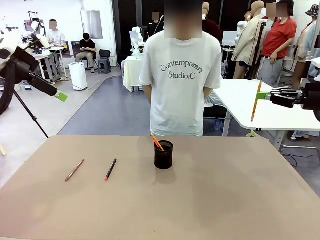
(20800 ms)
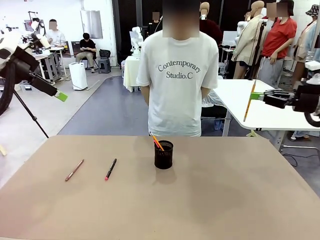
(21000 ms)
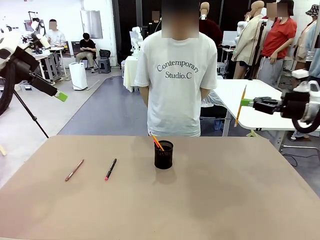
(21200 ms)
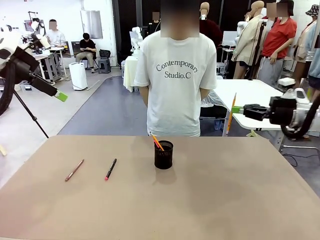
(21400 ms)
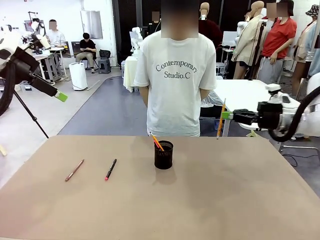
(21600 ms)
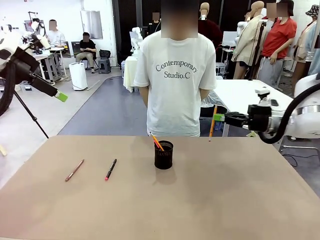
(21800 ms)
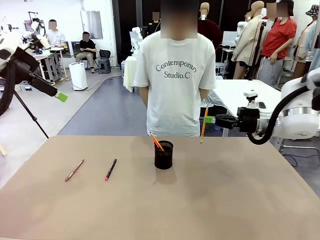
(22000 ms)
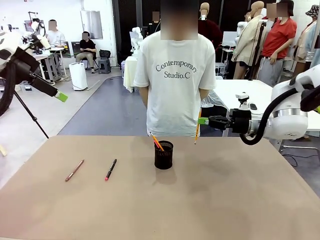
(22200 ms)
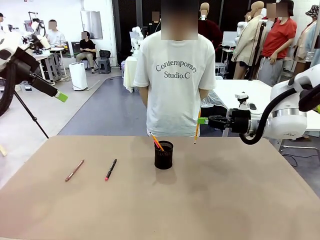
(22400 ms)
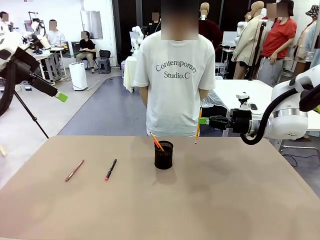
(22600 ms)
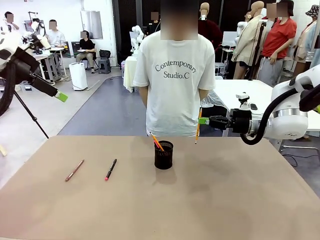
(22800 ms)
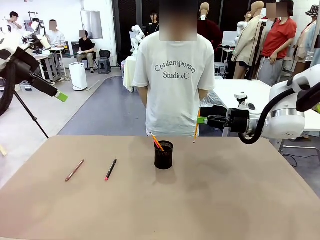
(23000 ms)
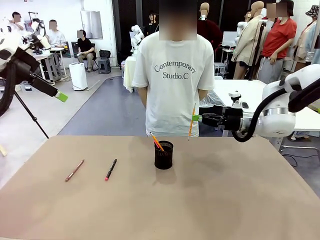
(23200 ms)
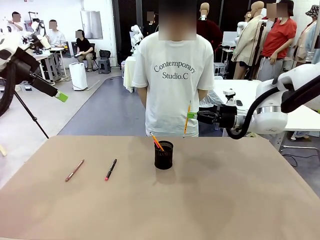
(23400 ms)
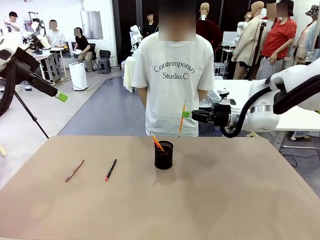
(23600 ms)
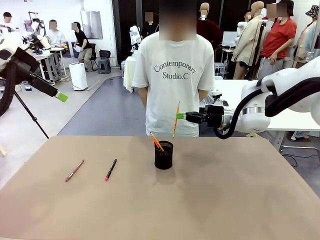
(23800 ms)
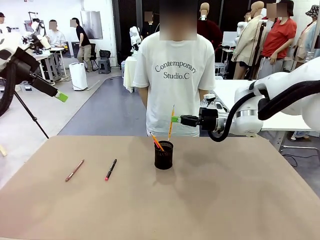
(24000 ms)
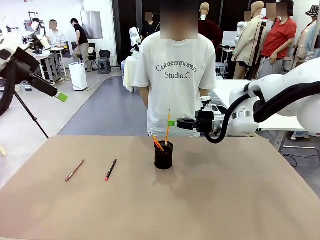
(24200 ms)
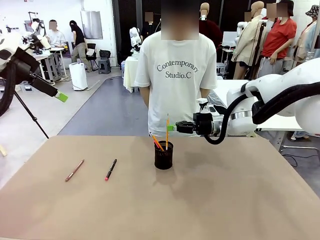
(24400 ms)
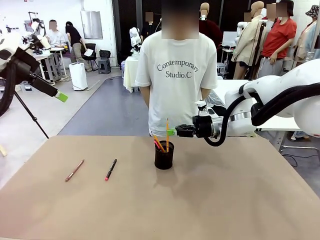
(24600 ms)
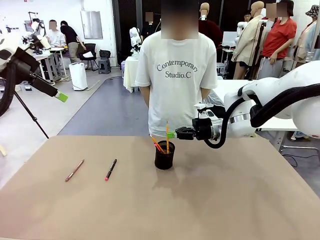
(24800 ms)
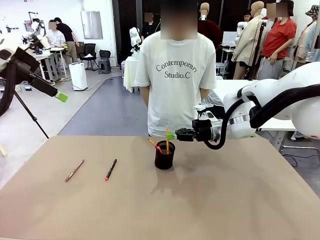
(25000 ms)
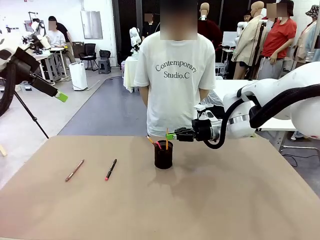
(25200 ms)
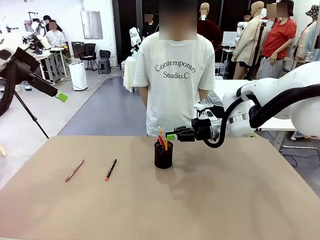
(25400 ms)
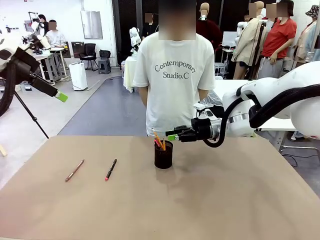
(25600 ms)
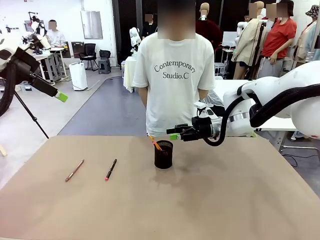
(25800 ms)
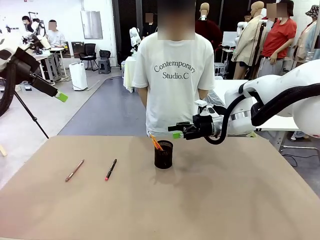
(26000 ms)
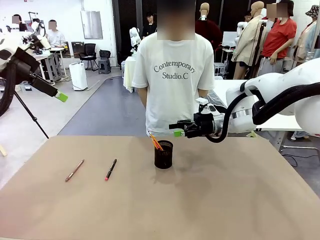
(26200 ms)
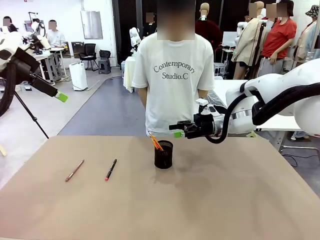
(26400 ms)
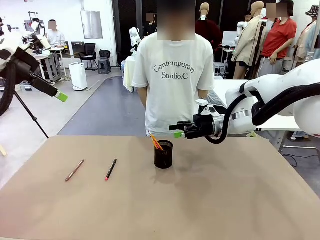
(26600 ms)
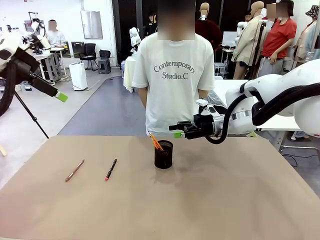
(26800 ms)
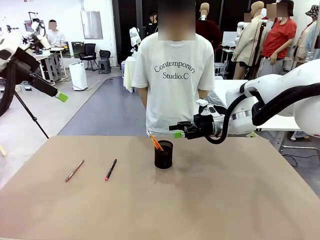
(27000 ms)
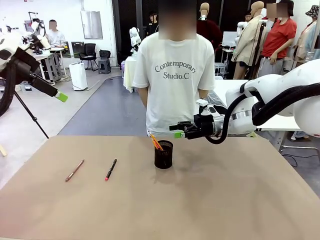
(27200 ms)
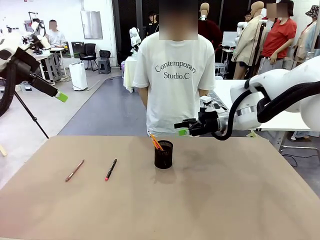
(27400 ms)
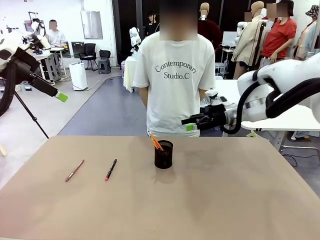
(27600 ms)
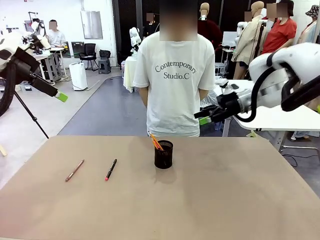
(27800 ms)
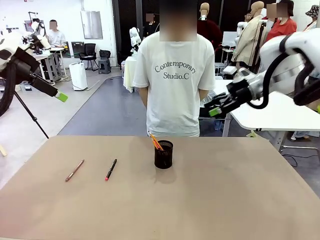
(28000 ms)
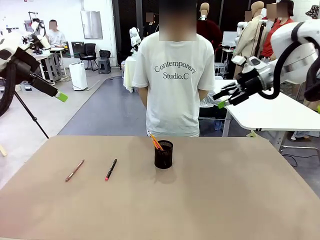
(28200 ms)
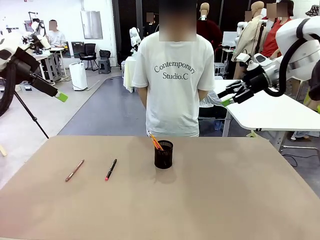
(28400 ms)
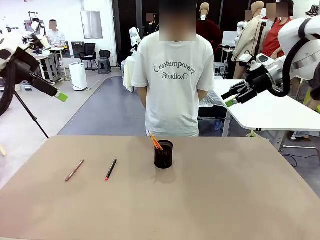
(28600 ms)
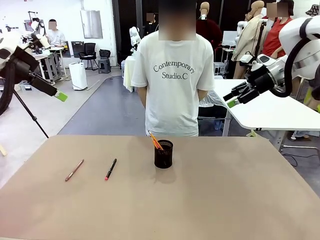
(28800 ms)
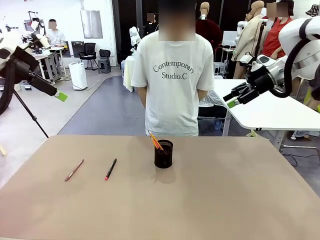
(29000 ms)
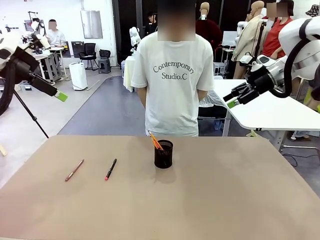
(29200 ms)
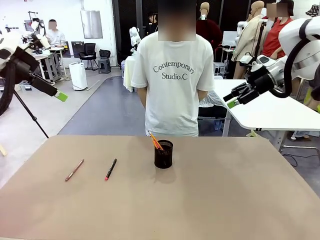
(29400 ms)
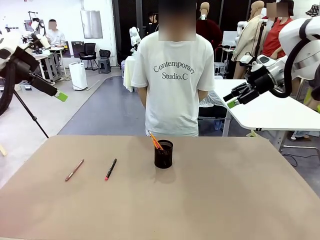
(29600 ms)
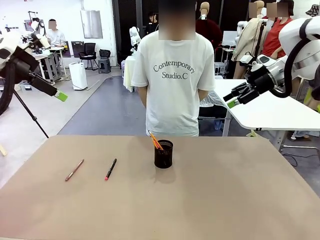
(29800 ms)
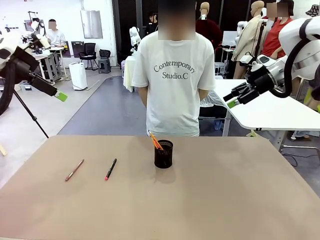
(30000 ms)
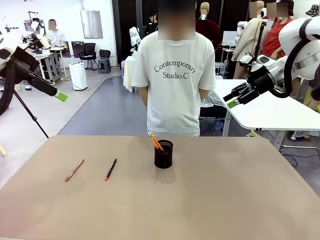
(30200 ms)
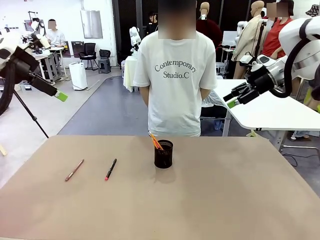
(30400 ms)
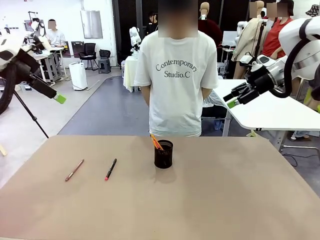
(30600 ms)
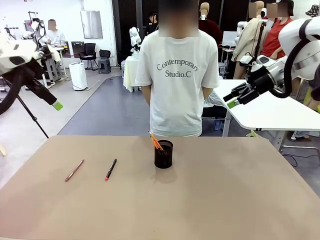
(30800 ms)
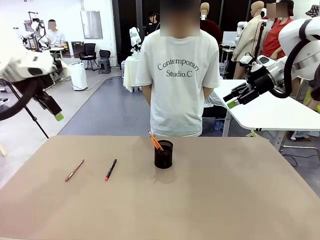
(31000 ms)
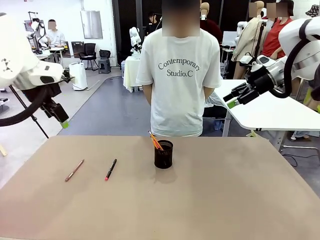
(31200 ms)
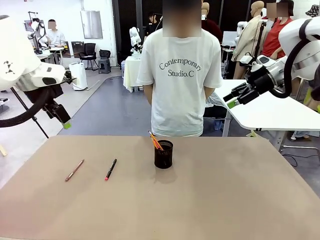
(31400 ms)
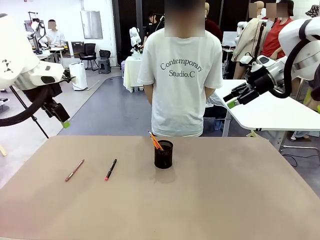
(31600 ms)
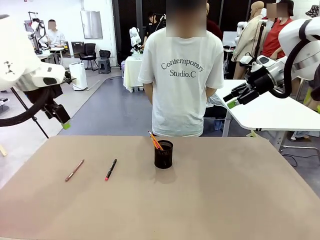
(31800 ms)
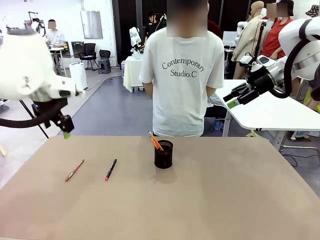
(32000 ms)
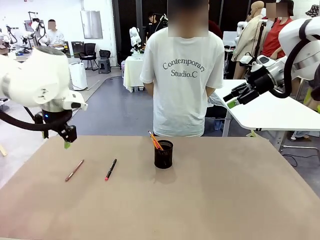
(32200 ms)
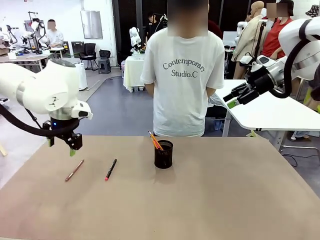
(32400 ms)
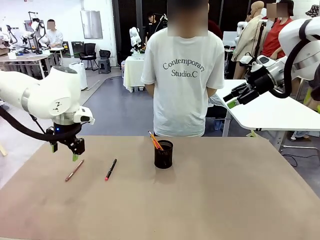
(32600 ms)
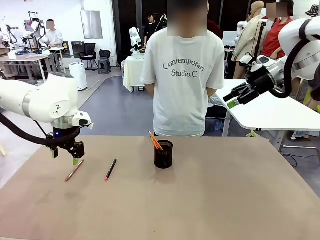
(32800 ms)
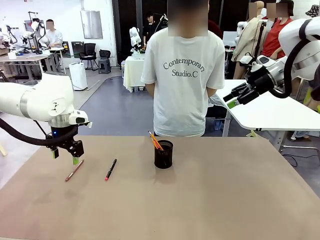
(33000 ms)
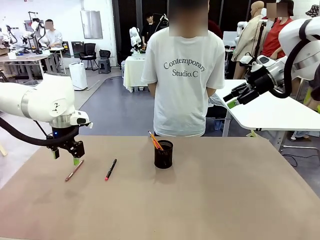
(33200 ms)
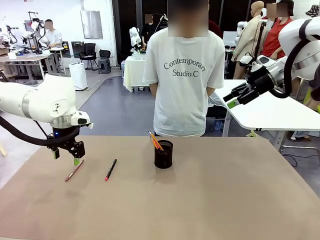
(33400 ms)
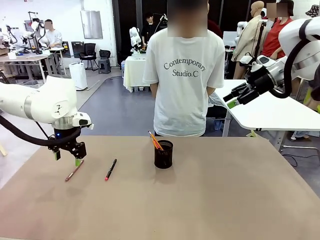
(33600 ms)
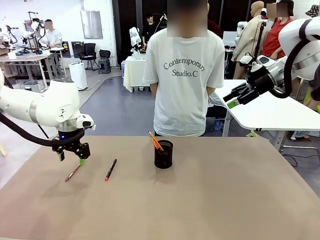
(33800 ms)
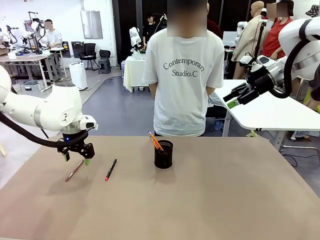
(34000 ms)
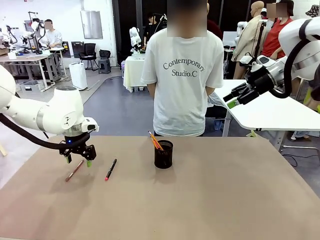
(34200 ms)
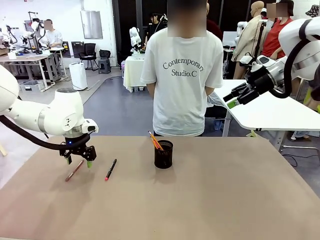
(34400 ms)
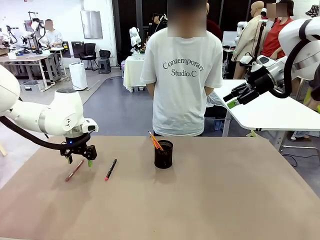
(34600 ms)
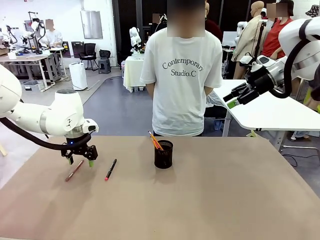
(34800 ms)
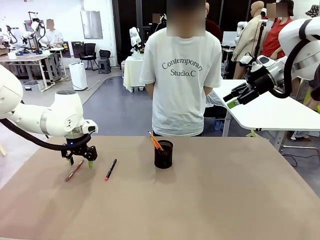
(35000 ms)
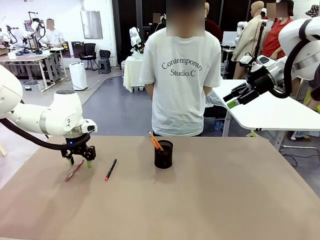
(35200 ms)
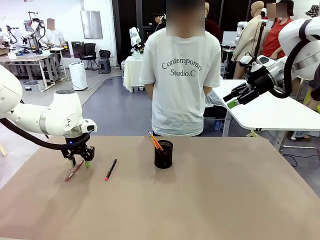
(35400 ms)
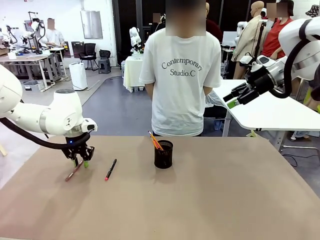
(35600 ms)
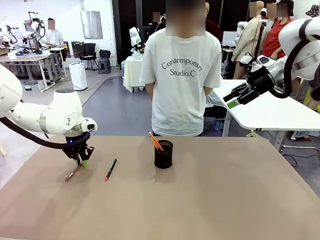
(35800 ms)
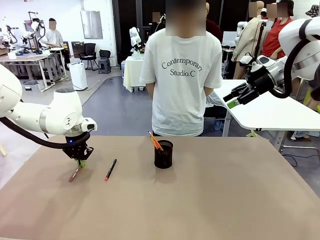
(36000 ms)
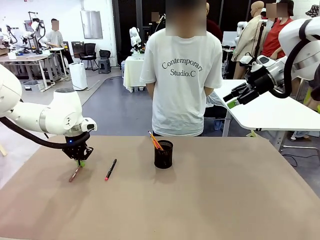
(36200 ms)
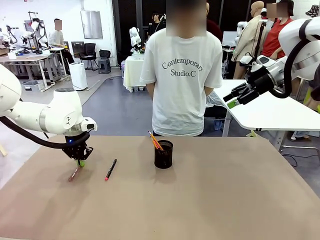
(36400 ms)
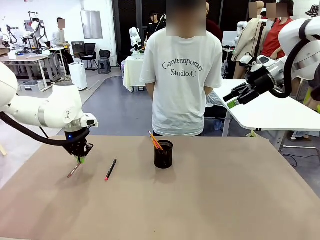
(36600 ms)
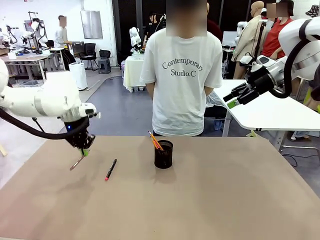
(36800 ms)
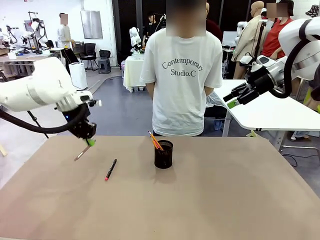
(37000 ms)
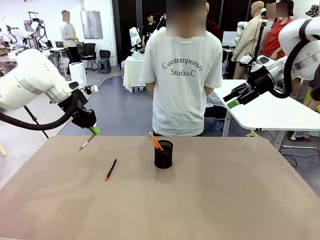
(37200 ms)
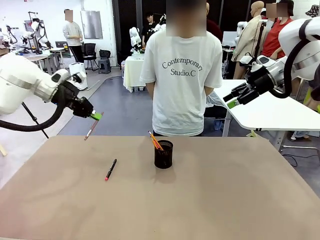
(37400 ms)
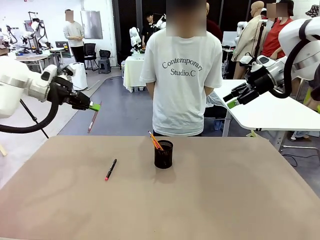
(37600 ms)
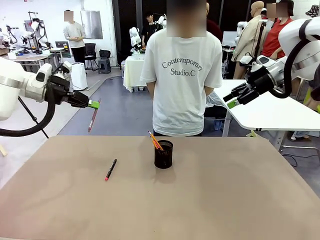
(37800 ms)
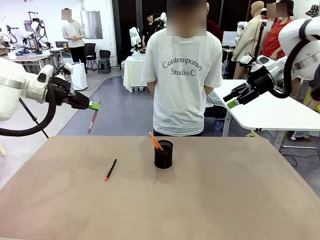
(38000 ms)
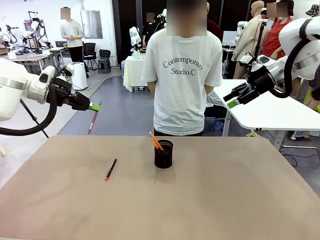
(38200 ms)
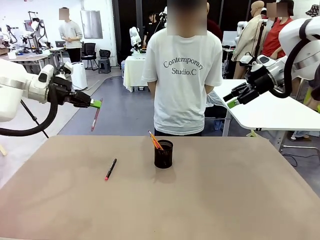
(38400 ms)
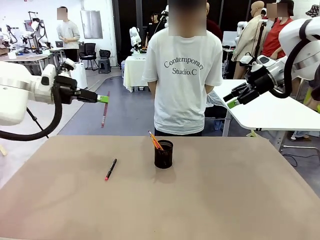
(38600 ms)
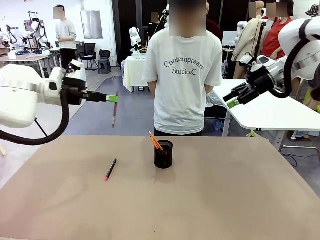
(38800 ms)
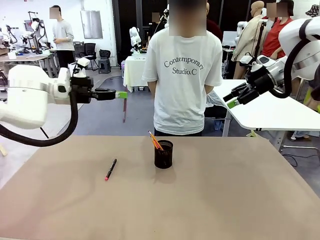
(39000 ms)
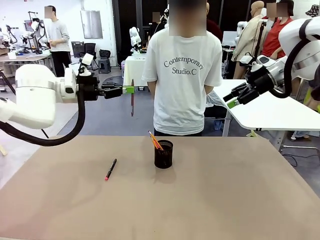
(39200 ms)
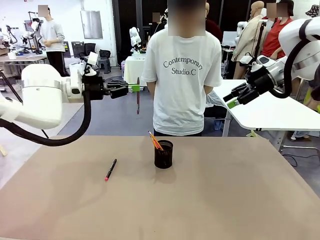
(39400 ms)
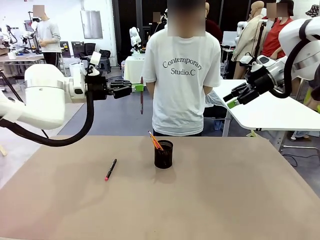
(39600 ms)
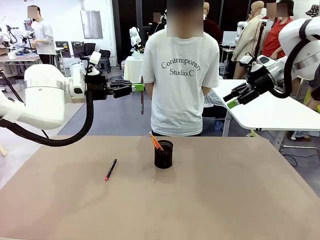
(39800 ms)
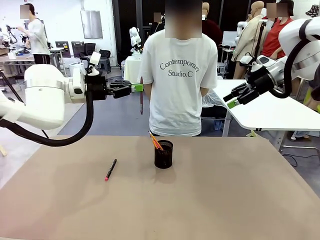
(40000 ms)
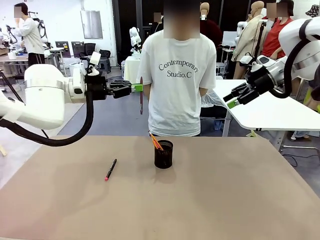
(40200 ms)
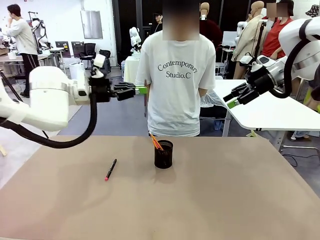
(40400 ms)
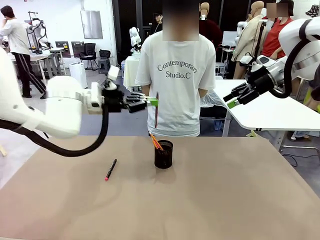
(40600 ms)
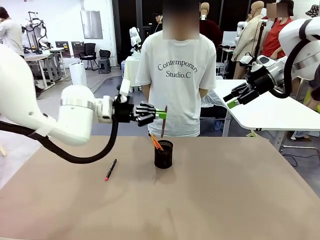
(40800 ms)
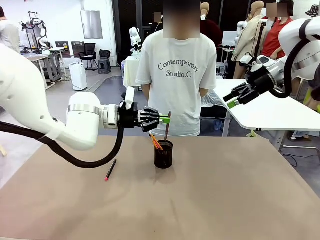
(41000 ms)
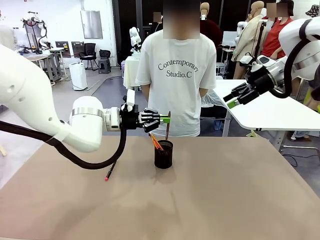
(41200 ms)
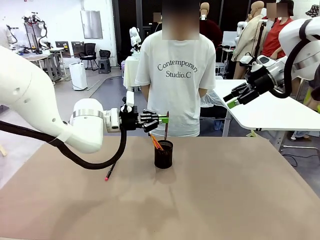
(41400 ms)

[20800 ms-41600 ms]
Task: Place the pens into the pen holder.
Robot: Pick up a writing instrument from the table and place it into the Pen holder.
